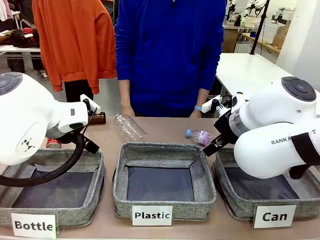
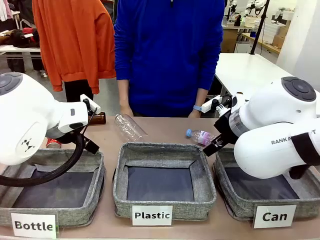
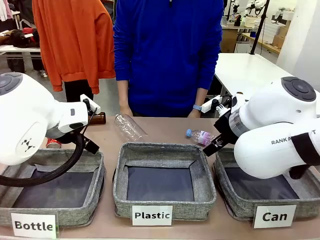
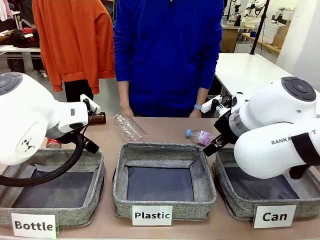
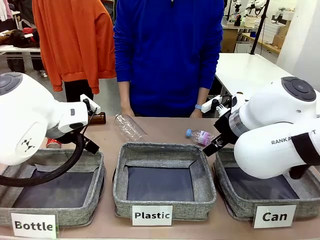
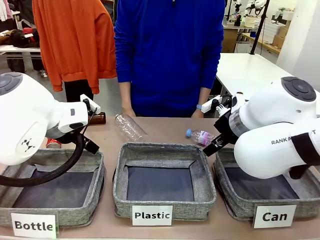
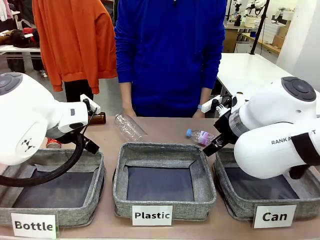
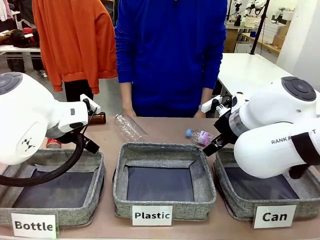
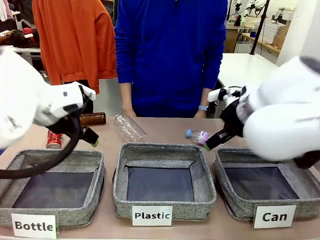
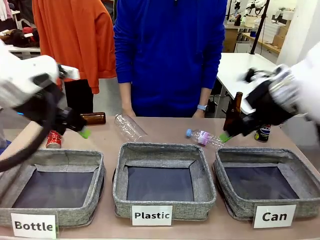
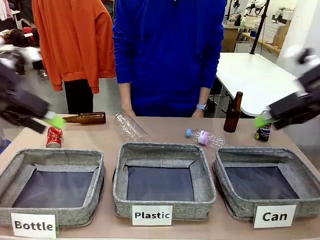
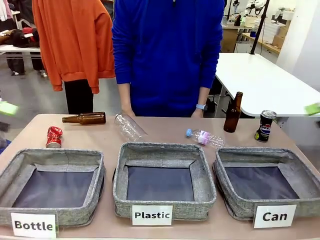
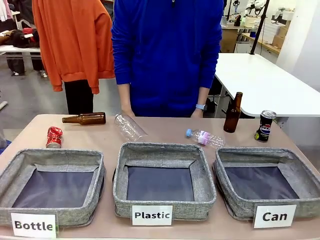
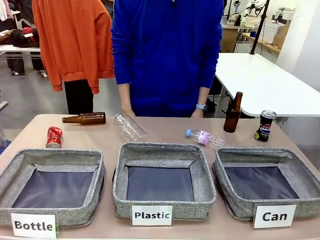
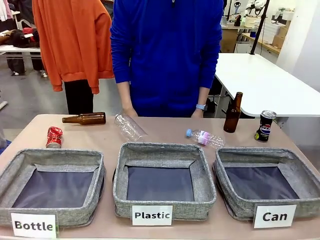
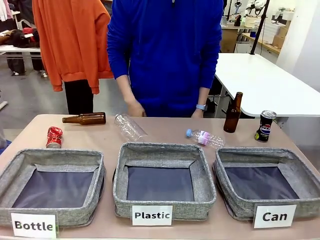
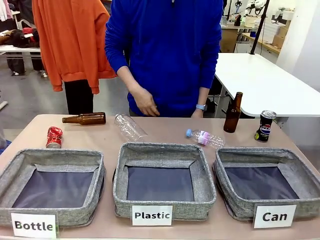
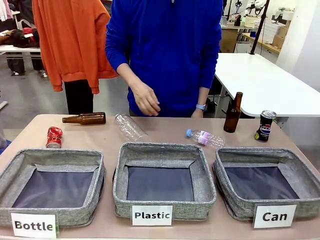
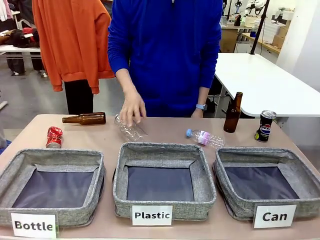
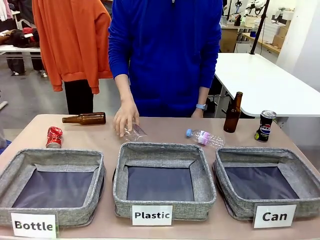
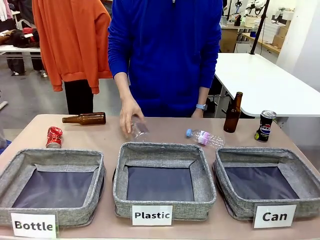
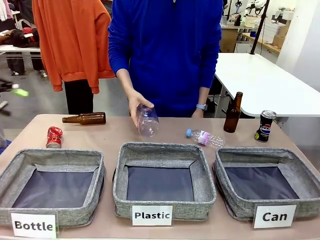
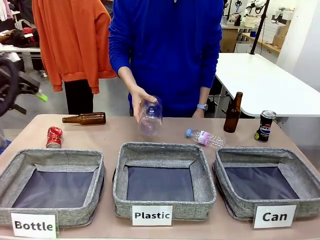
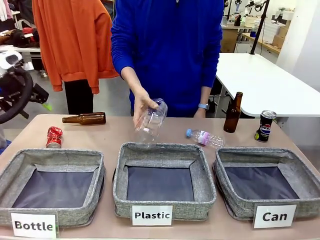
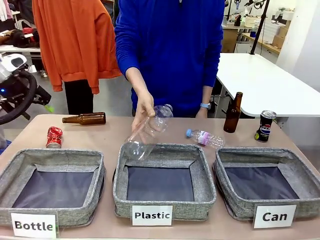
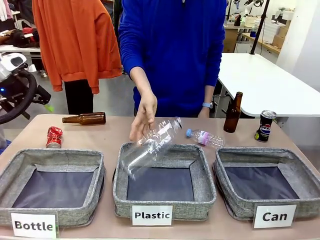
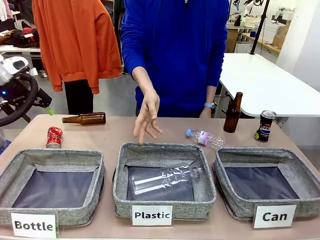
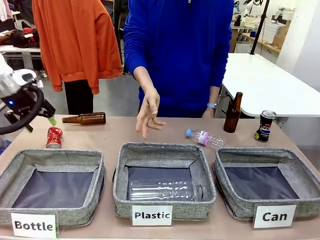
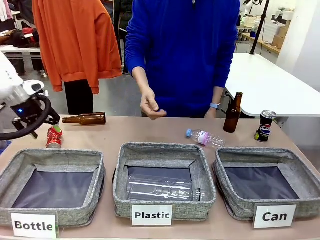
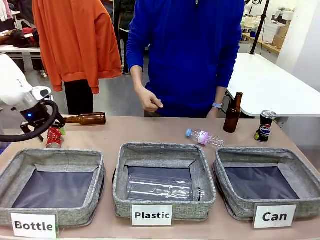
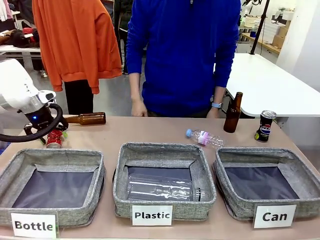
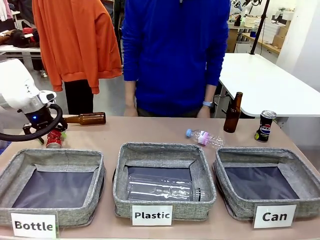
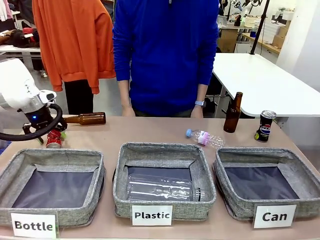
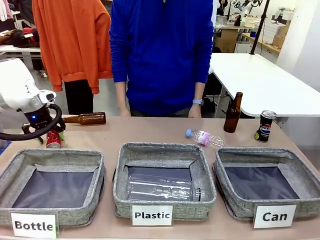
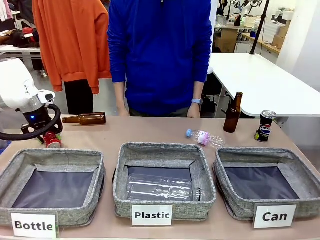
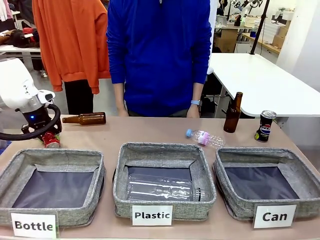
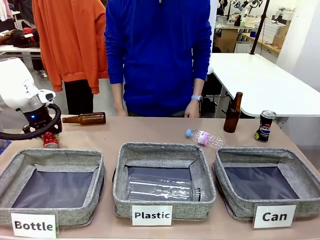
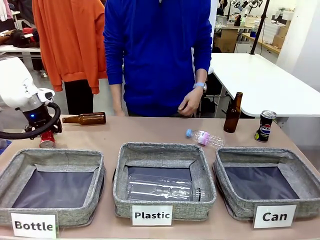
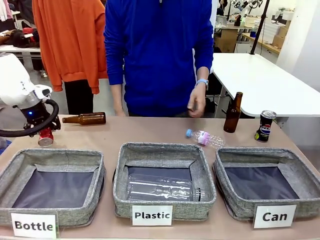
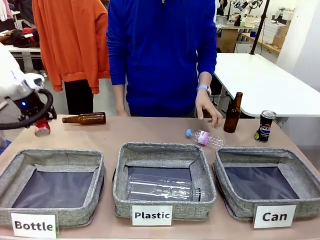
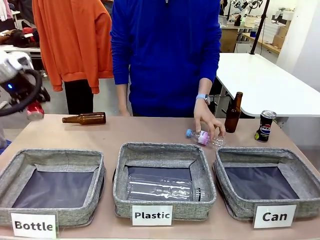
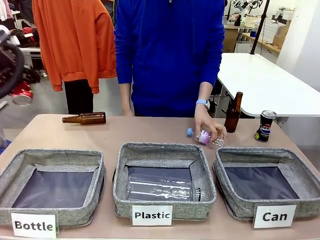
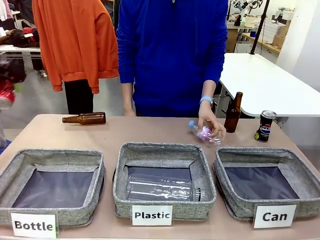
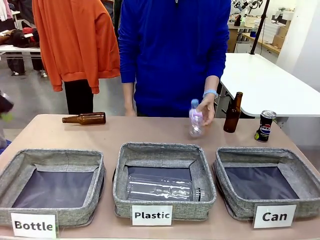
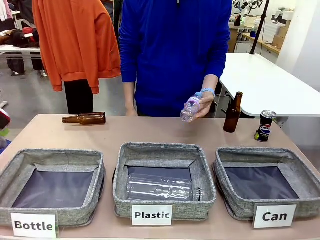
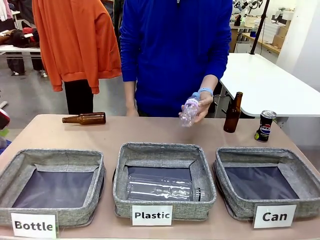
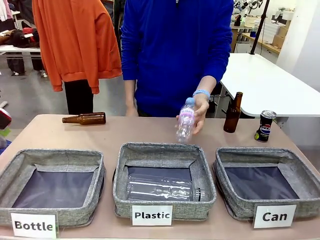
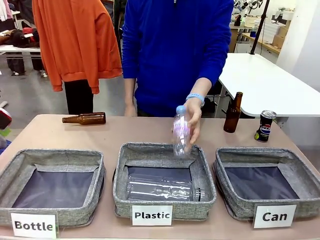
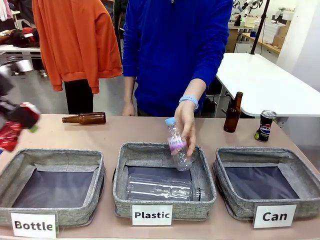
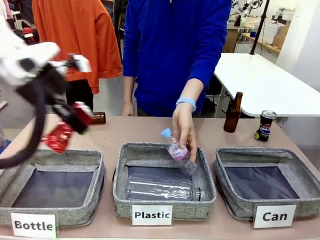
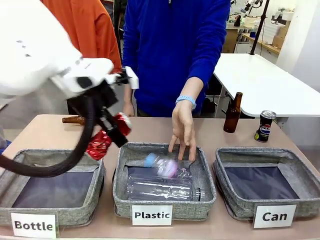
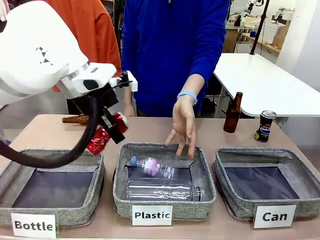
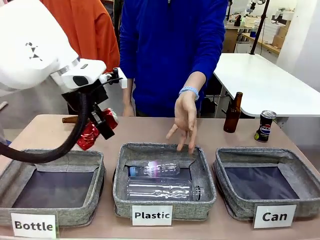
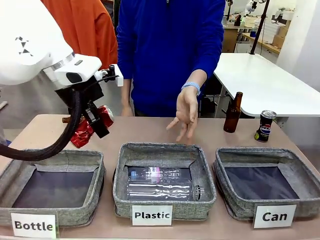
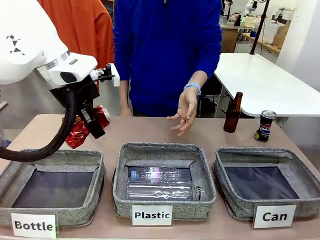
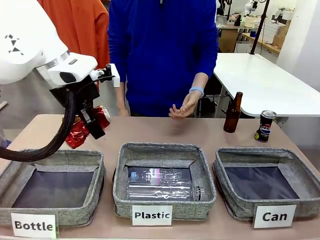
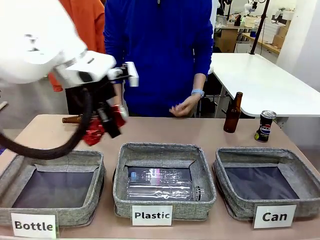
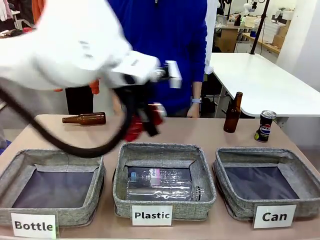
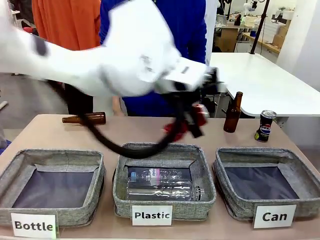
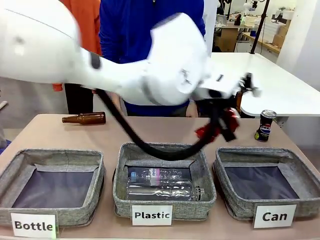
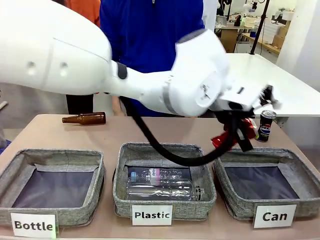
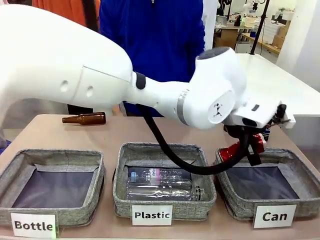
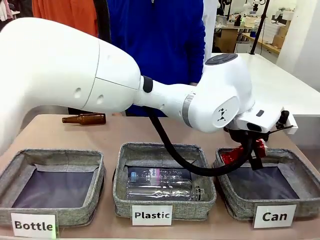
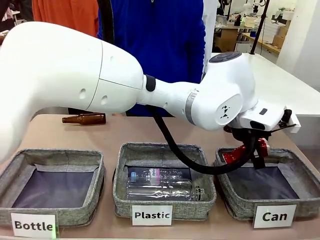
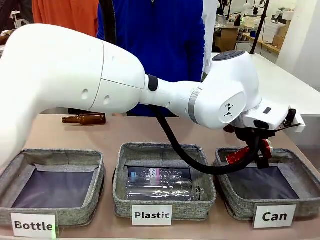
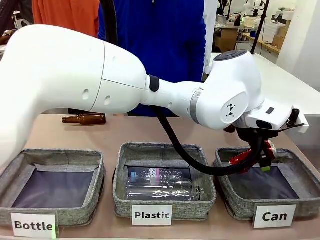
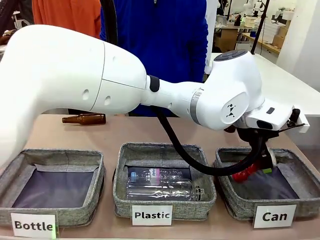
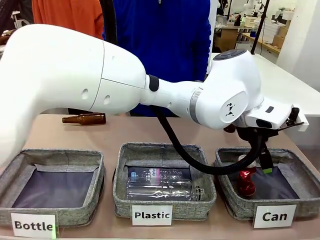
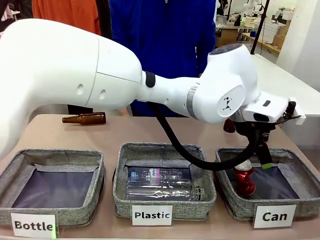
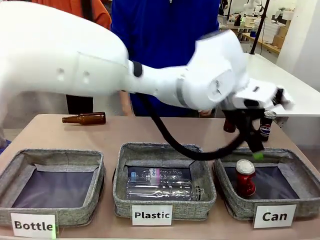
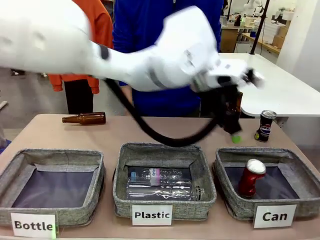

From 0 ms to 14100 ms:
Task: Sort the can waste into the basket.
Robot: Pick up the can waste from the table and place it in the right Fabric basket.
